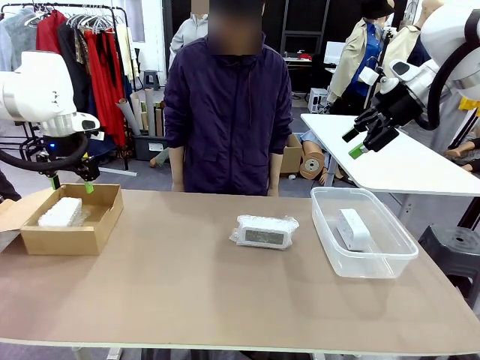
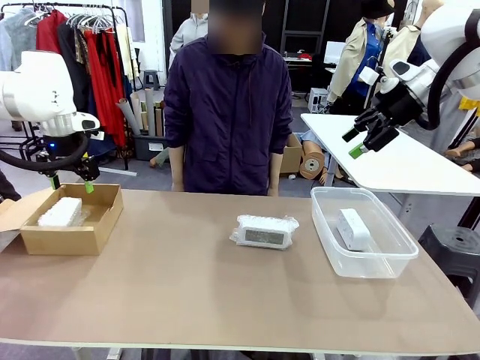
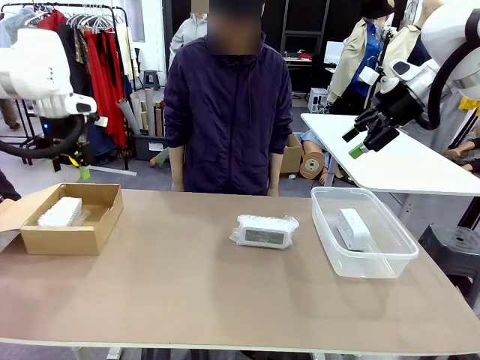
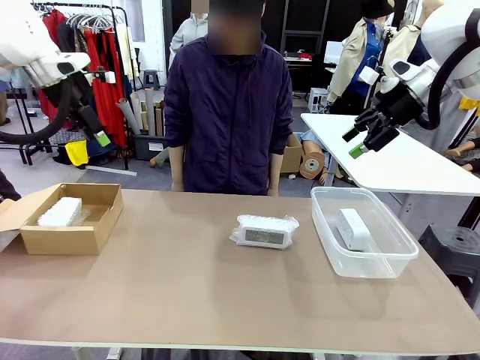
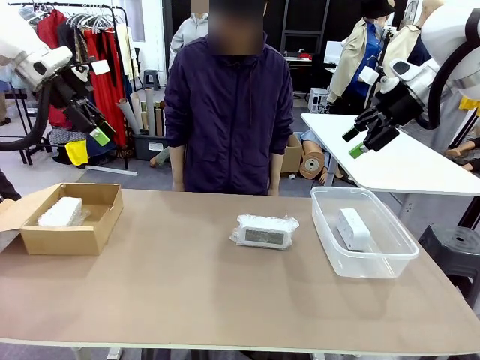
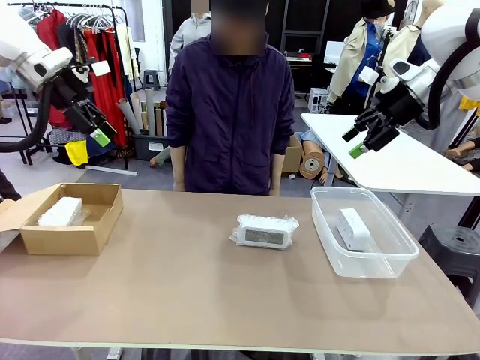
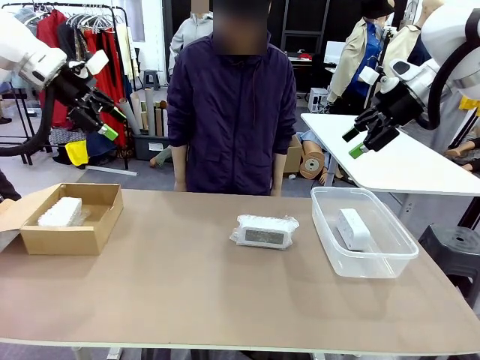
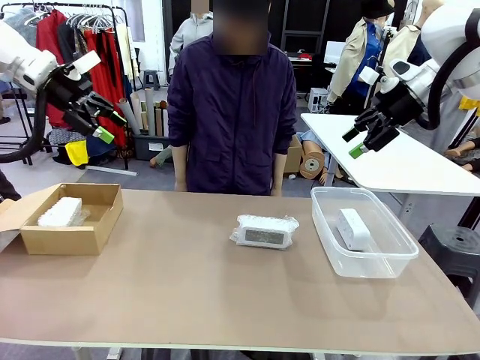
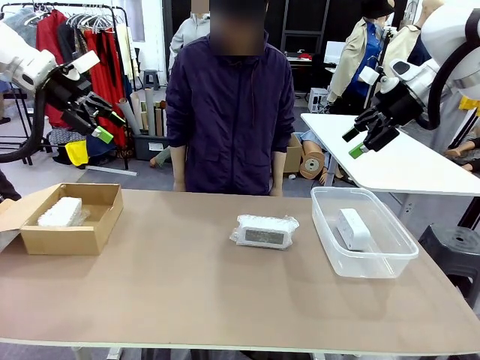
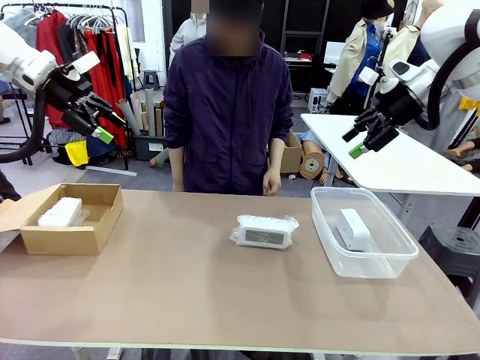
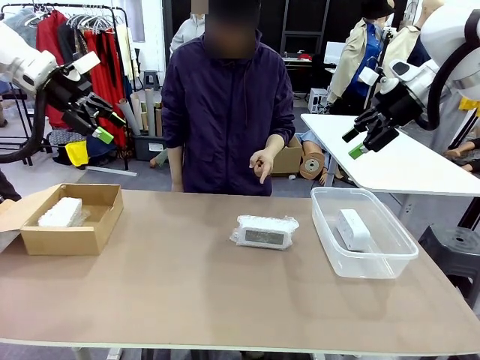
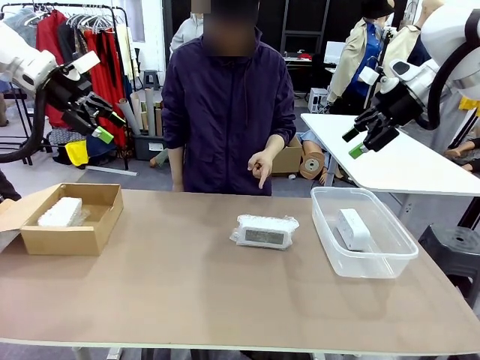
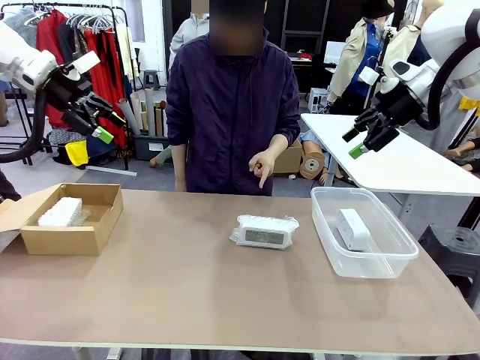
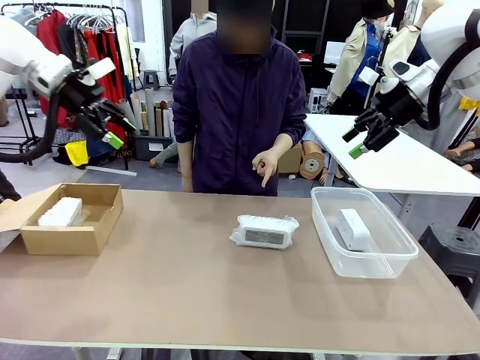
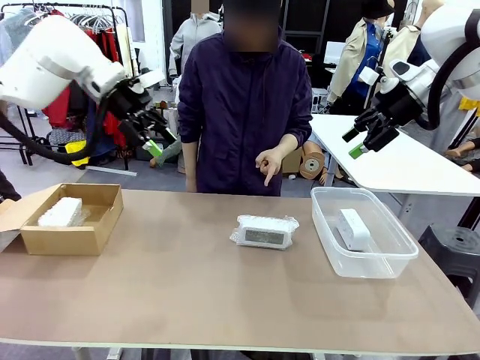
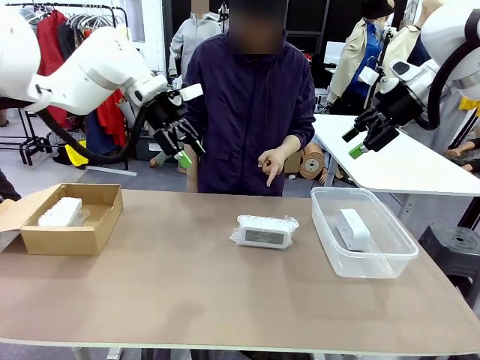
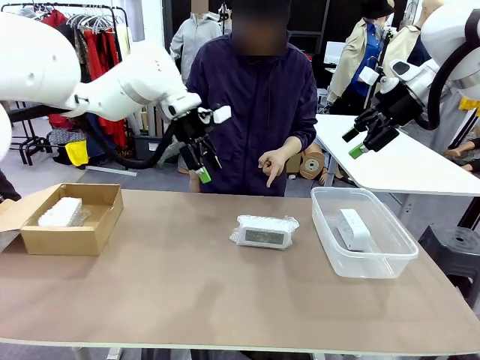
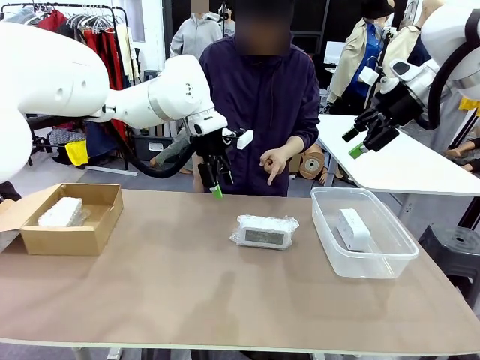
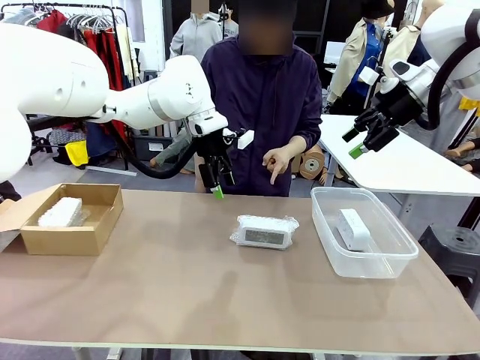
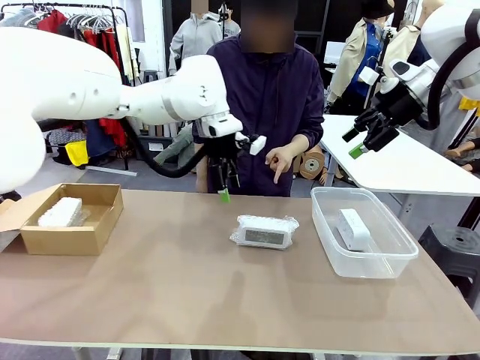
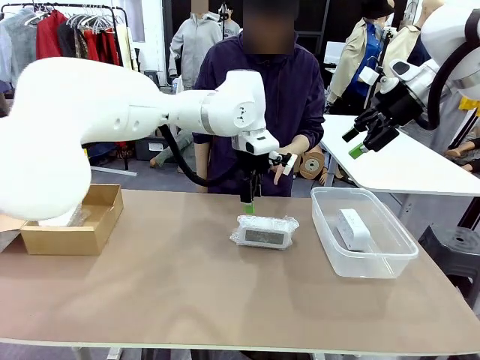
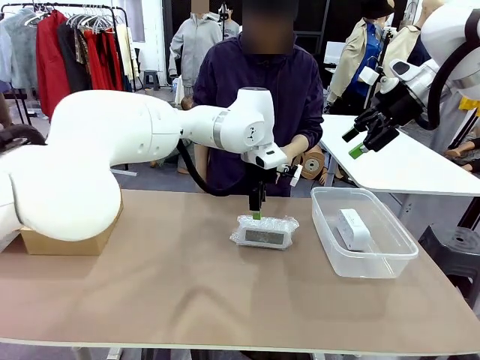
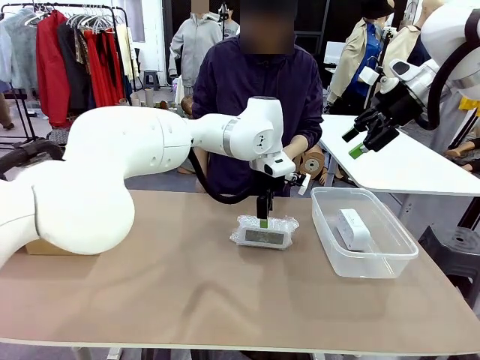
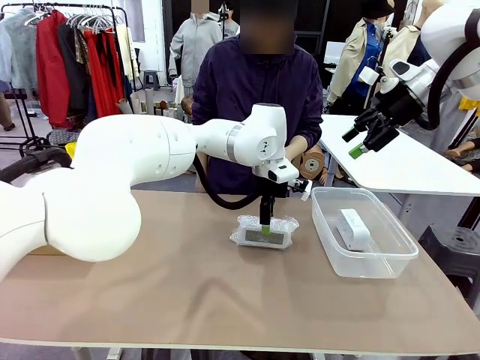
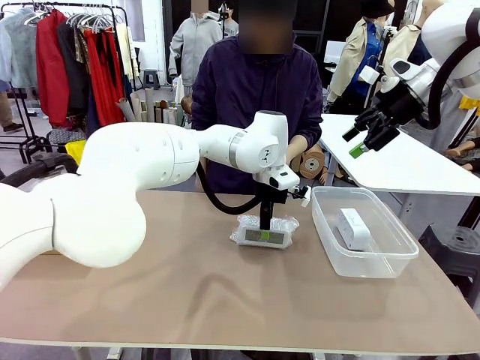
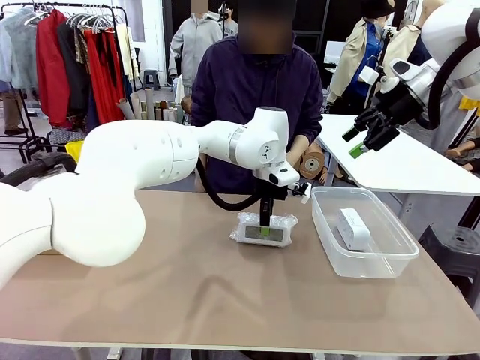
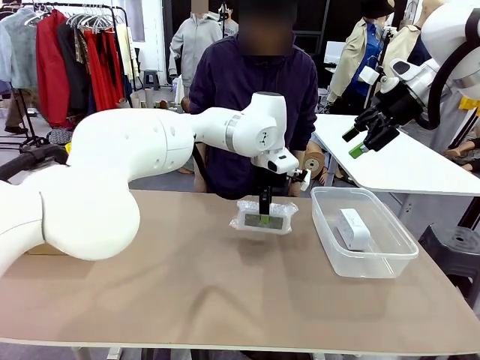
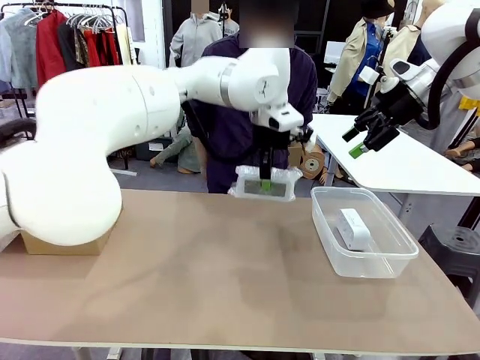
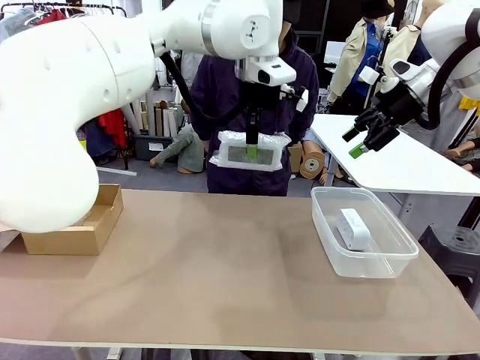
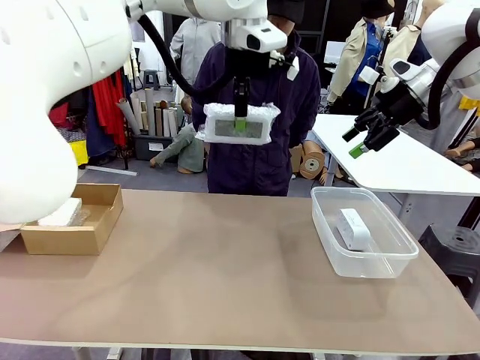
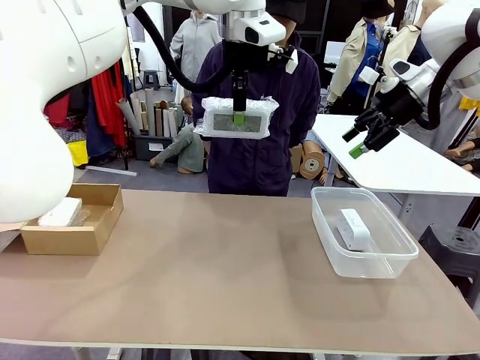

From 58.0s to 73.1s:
Task: Separate and place wrapped and unwrapped clocks.
Robot: Pick up the Digital clock indicated by the person.
